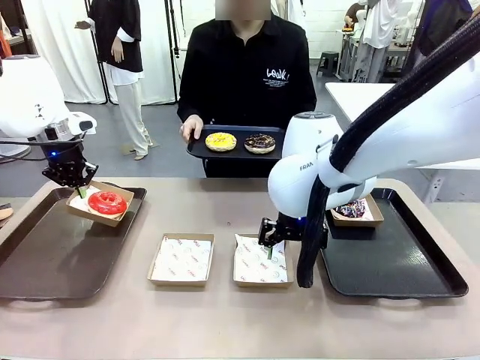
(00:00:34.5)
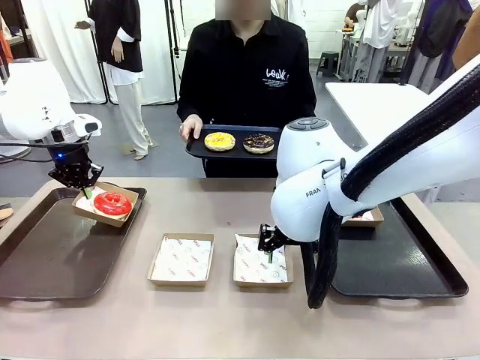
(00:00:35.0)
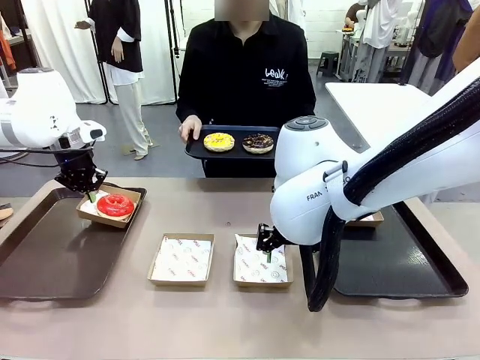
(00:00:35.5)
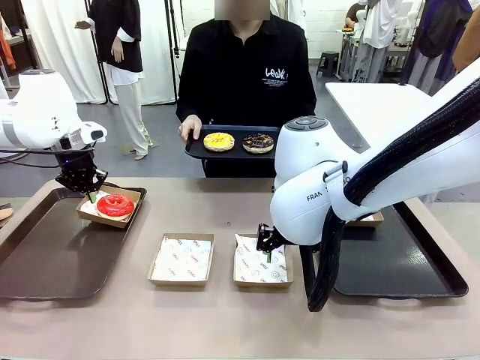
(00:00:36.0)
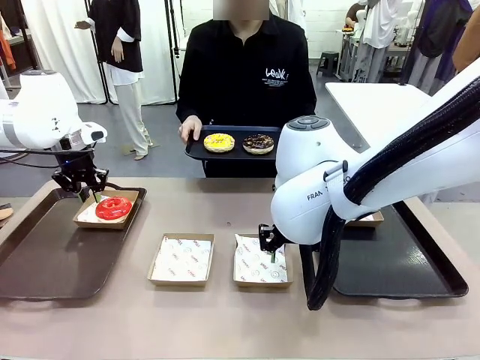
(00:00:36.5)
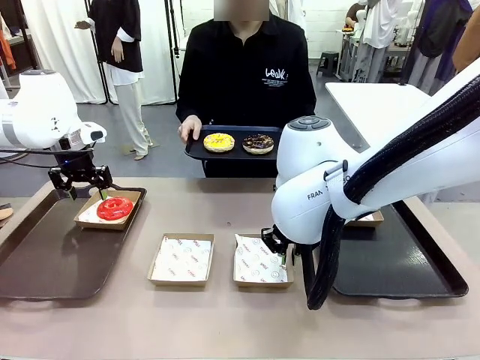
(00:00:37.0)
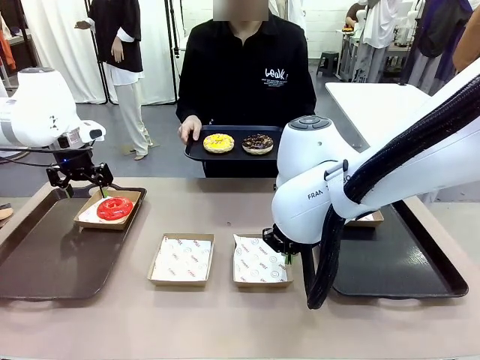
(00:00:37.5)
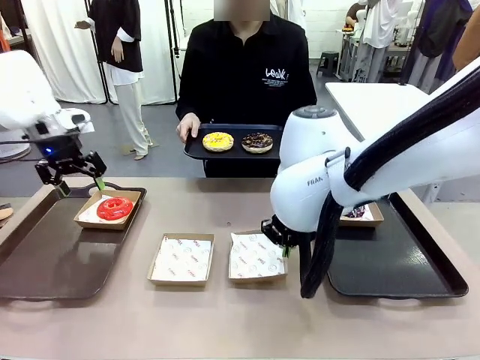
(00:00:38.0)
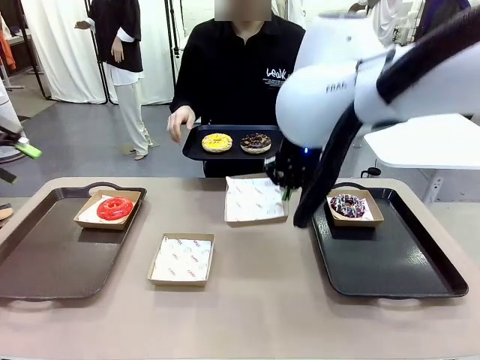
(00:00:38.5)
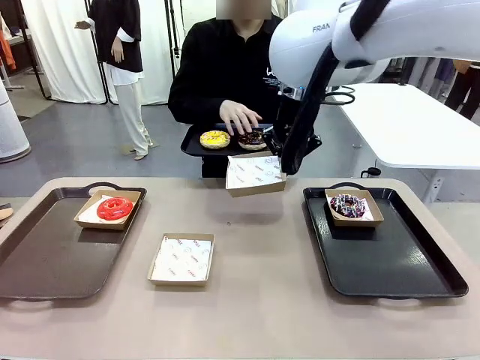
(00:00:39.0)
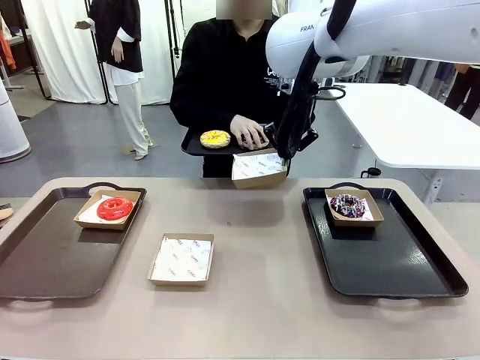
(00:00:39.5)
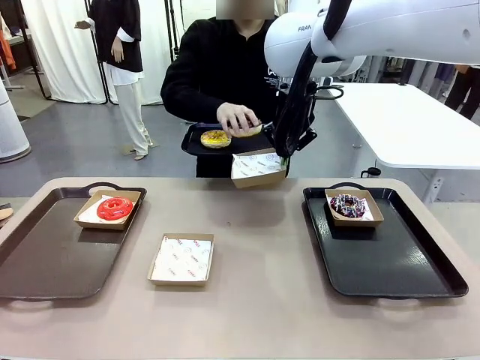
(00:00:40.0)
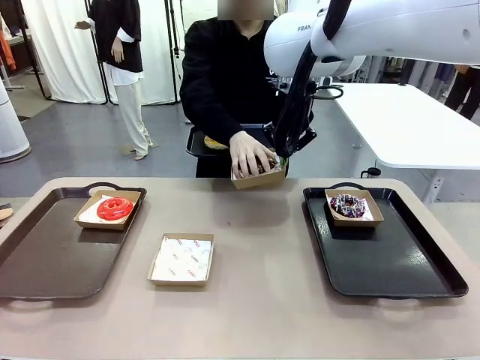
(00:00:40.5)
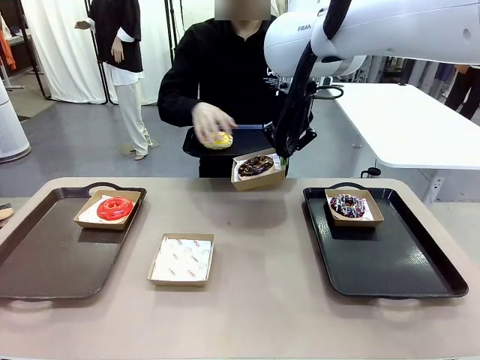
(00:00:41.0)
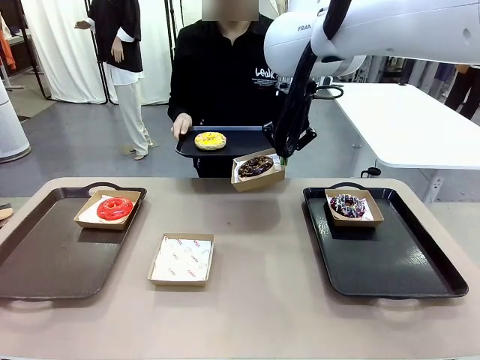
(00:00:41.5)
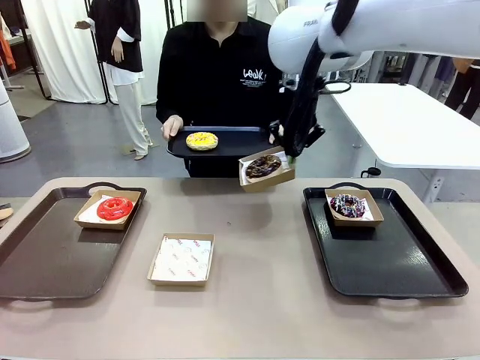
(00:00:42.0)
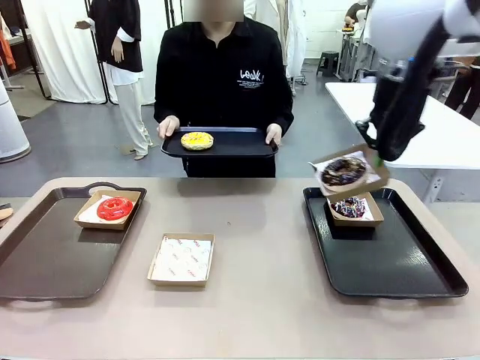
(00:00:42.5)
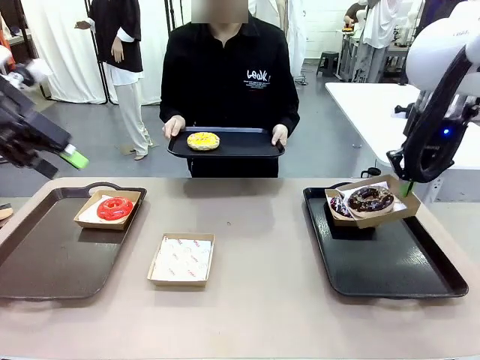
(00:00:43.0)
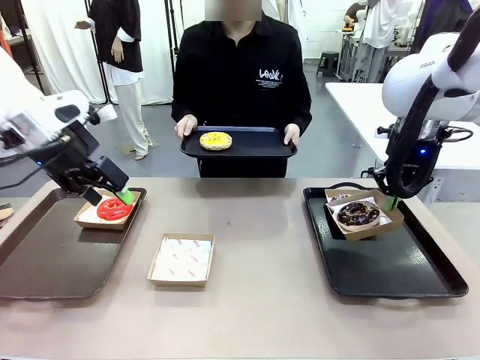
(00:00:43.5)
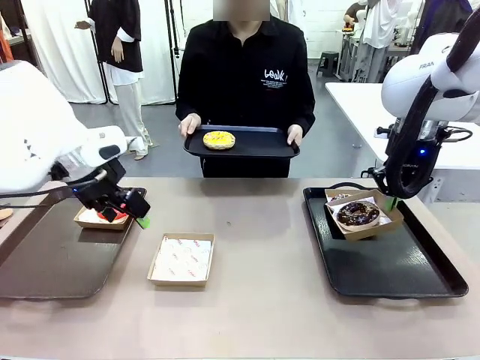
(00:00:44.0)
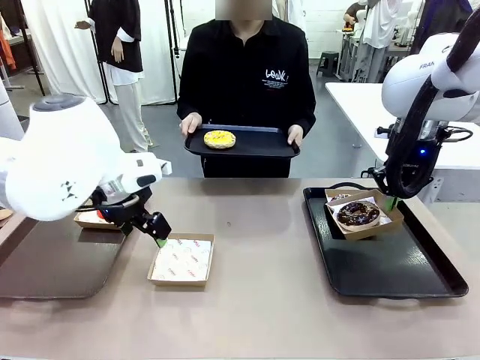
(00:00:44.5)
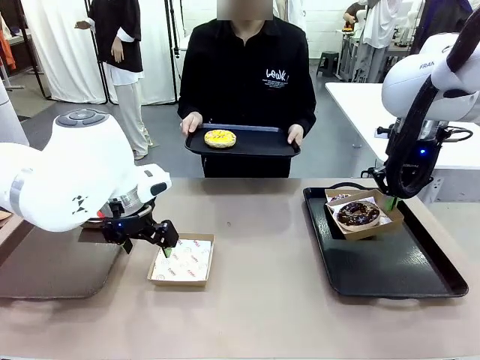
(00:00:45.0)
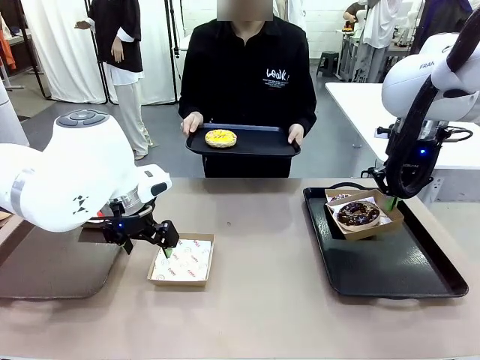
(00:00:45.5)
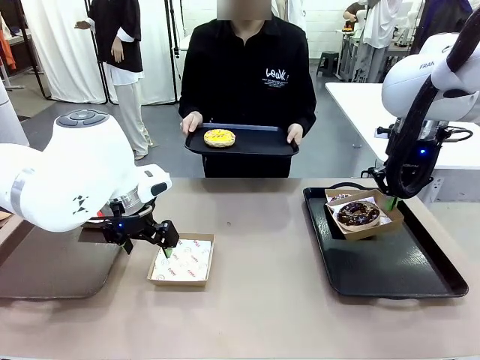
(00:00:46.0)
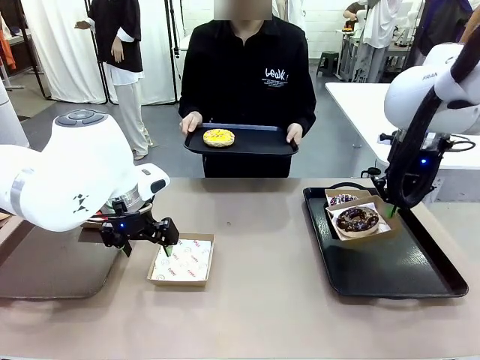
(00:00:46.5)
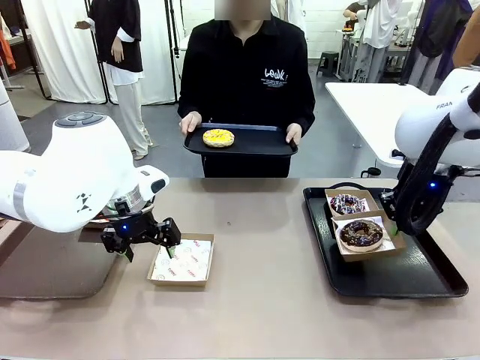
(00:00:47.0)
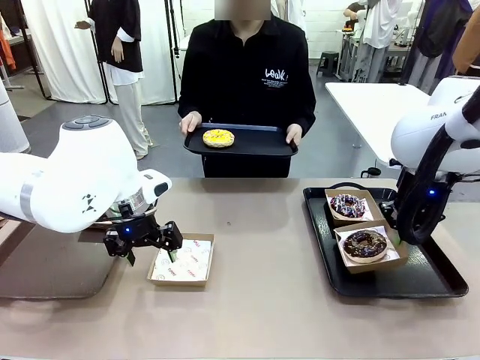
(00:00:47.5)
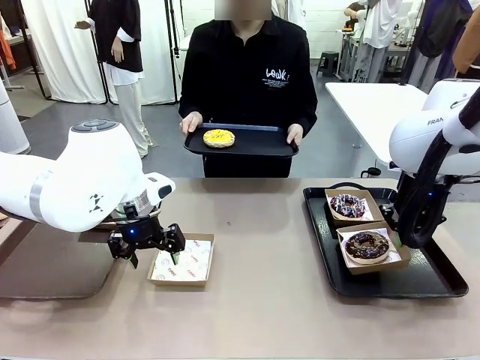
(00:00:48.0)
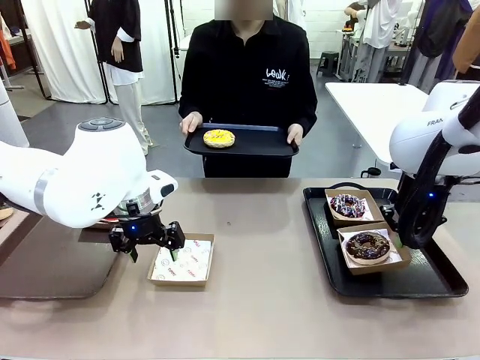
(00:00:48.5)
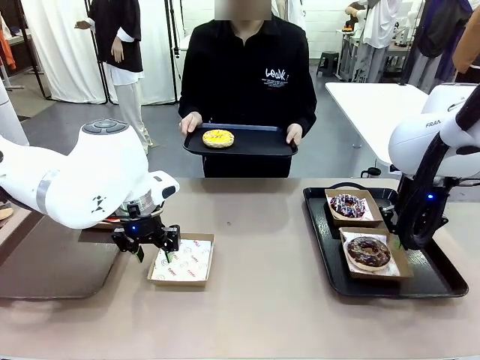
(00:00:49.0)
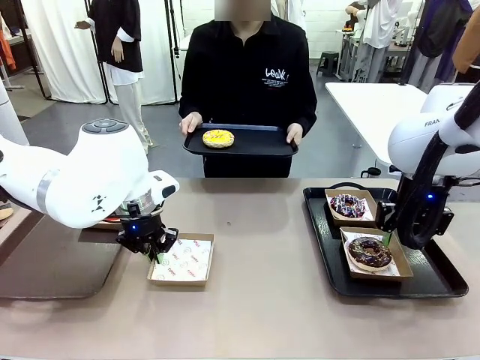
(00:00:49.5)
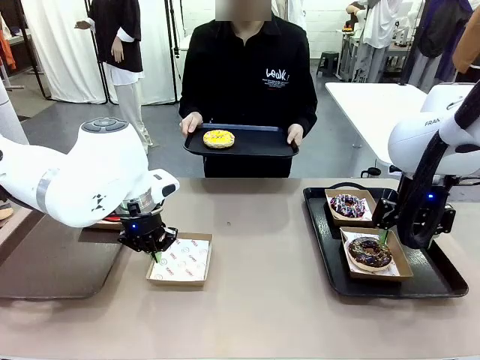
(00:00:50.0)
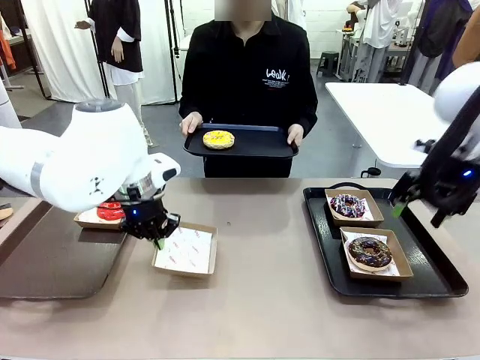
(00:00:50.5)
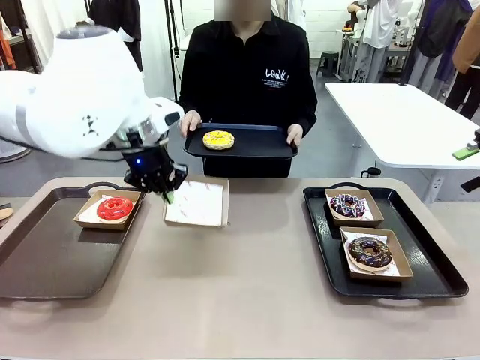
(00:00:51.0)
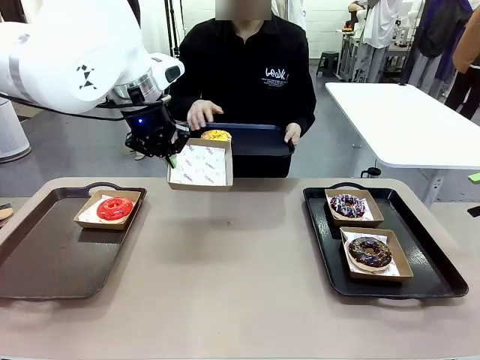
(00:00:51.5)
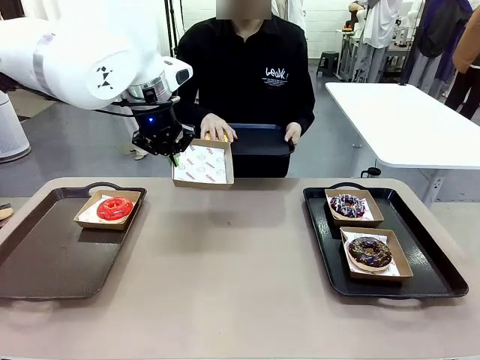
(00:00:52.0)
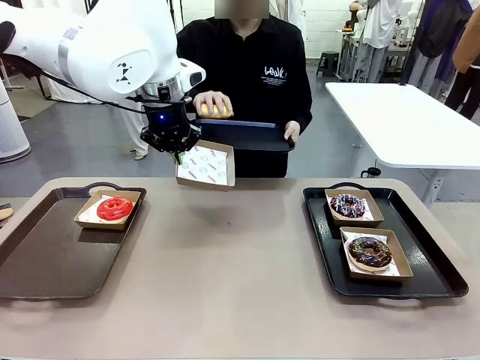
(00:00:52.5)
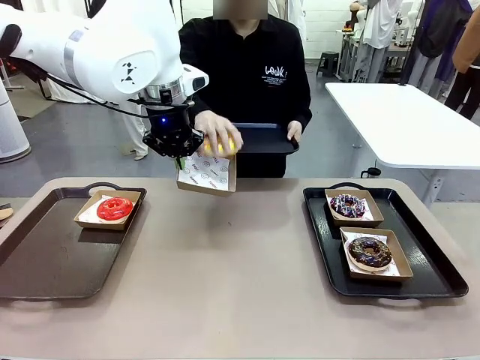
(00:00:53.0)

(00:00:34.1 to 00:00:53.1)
Task: Individually package the donuts and arrange them on the tray.
Robot: Place the picked Paper togo box on the Handle tray while simultaneously picking up another Paper togo box from the table with the other hand.

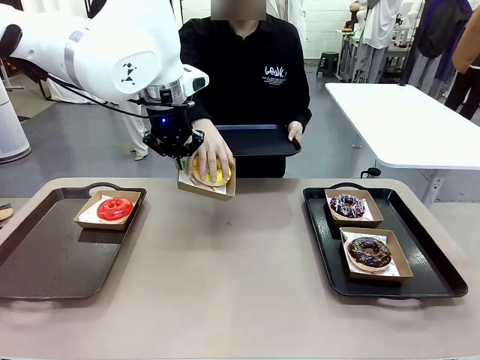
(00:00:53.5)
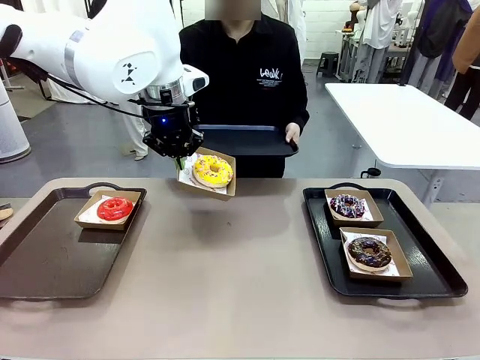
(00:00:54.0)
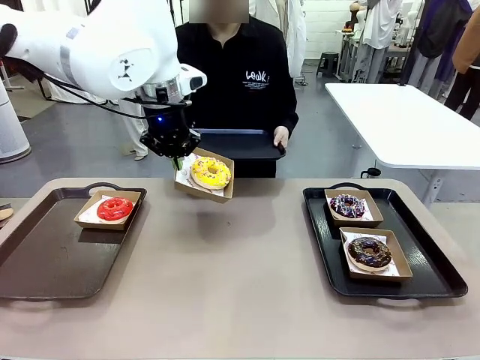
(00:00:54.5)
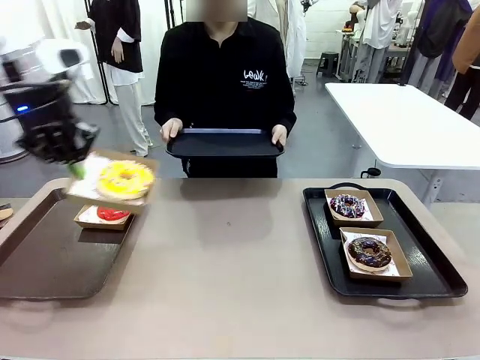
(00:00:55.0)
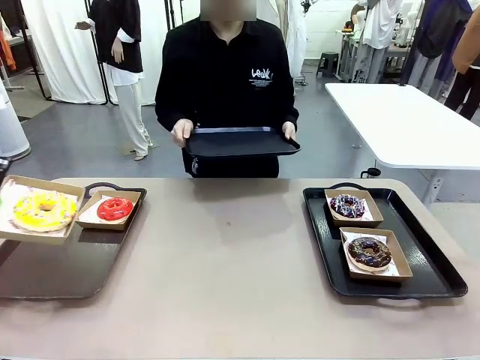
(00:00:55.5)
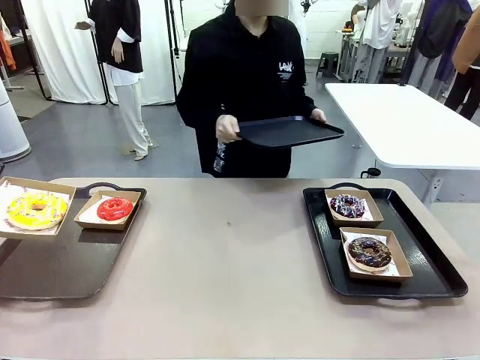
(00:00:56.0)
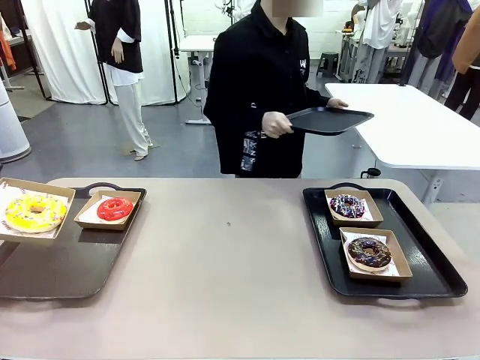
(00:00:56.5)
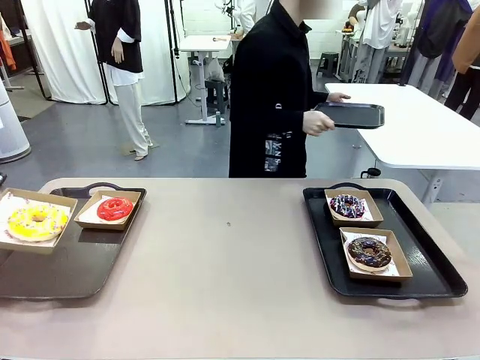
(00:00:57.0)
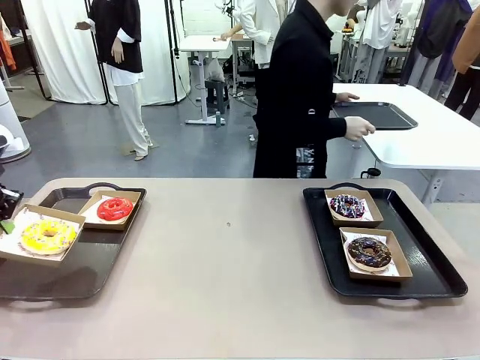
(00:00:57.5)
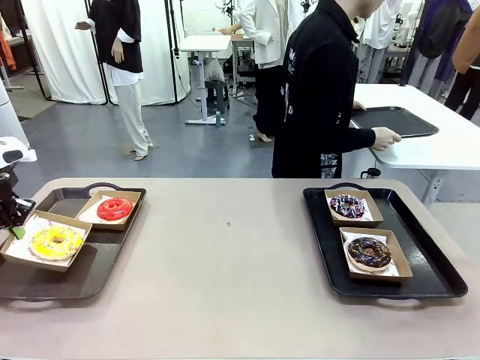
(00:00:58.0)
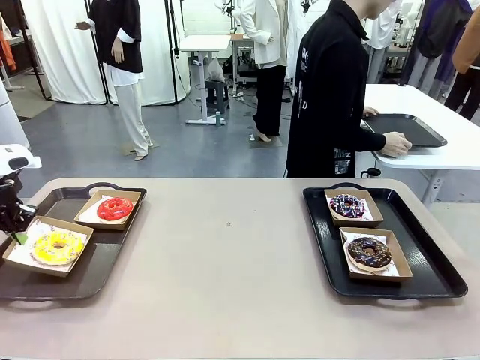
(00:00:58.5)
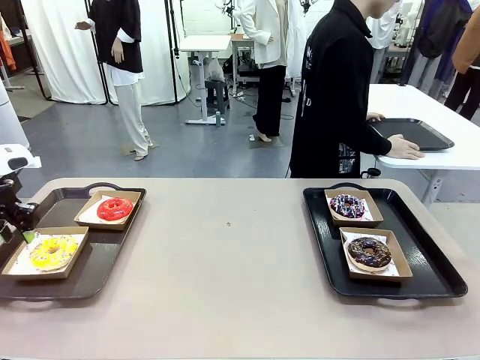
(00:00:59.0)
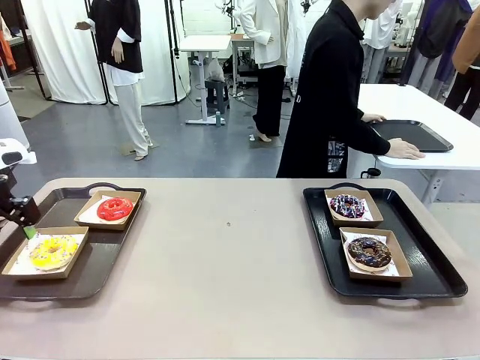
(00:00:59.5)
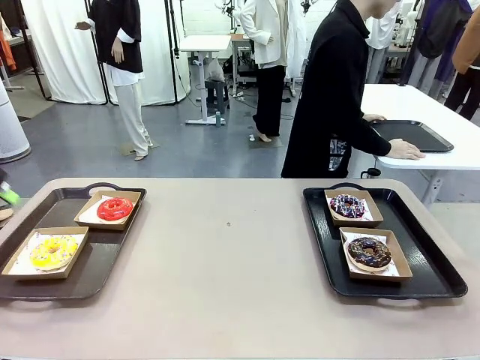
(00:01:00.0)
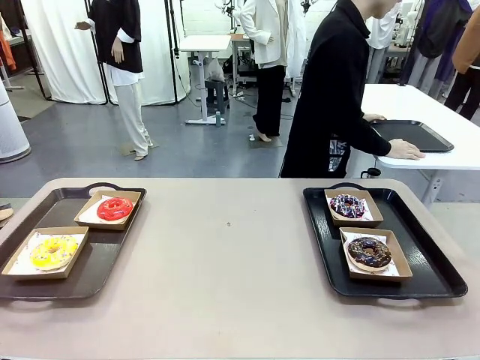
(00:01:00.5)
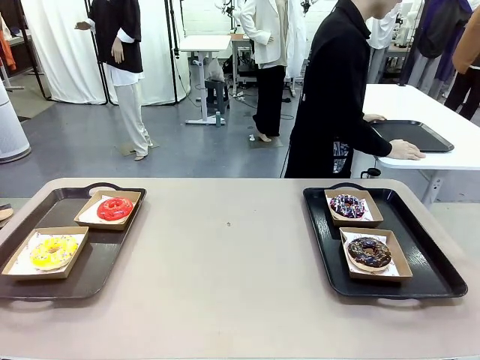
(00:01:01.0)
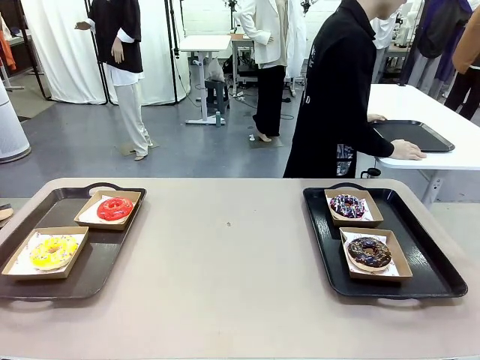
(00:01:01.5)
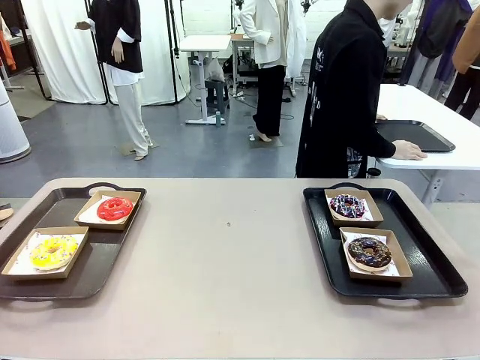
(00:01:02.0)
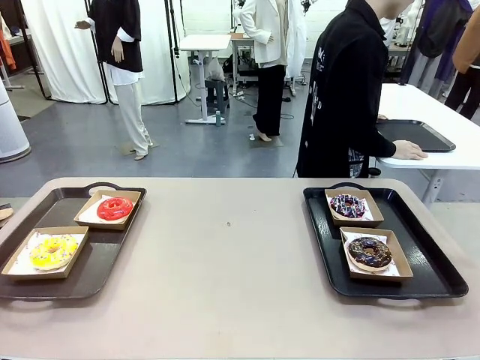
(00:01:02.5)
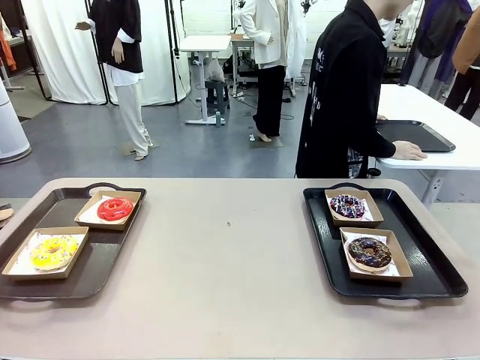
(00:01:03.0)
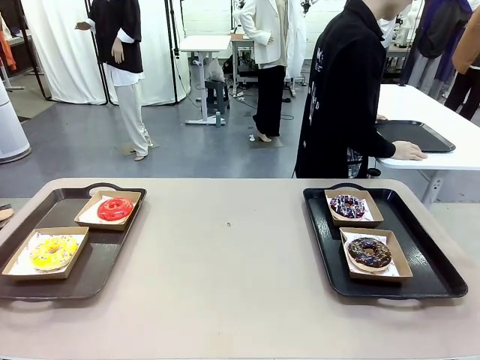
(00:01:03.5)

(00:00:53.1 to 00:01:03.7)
Robot: Place the picked Paper togo box on the Handle tray.
Person: Place the tray down in the middle of the human table.
